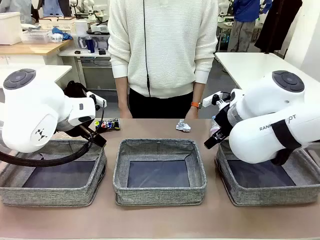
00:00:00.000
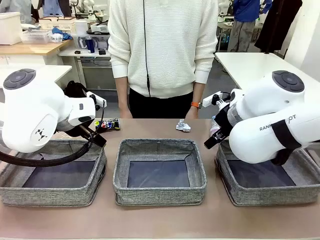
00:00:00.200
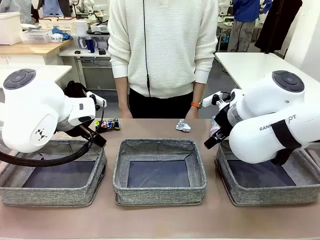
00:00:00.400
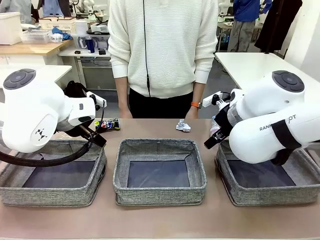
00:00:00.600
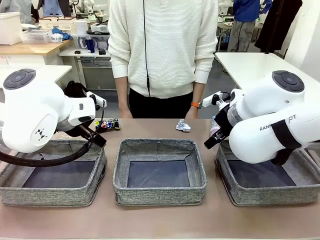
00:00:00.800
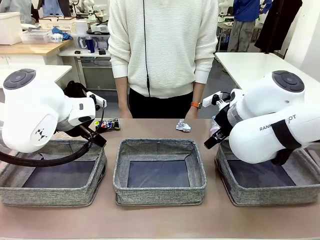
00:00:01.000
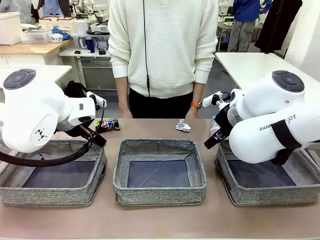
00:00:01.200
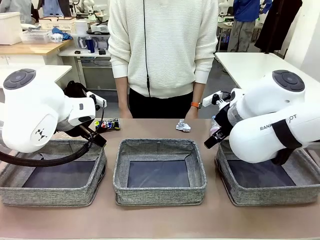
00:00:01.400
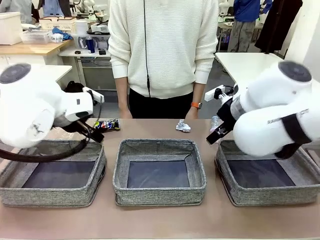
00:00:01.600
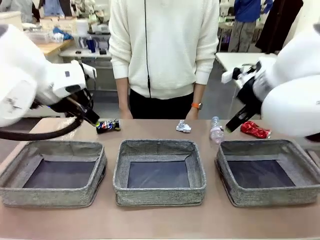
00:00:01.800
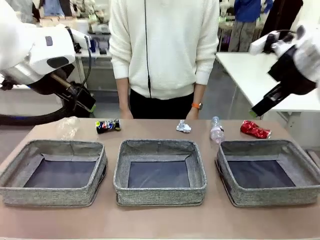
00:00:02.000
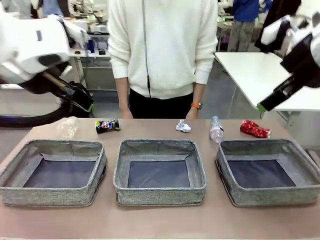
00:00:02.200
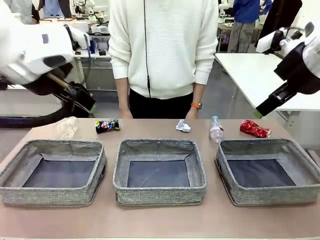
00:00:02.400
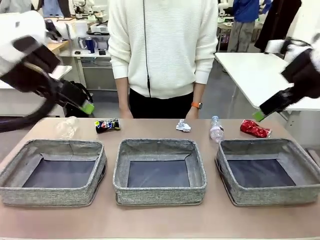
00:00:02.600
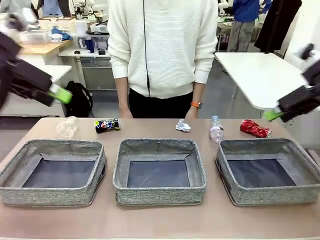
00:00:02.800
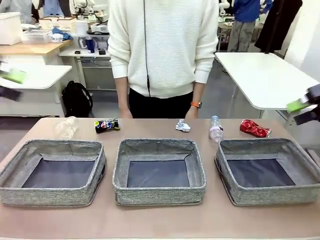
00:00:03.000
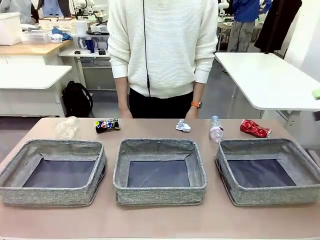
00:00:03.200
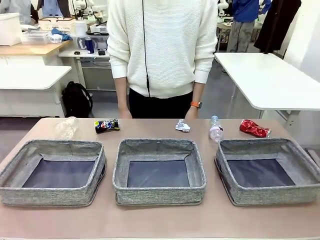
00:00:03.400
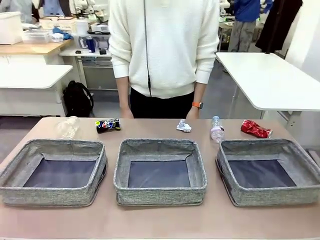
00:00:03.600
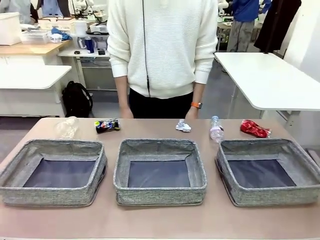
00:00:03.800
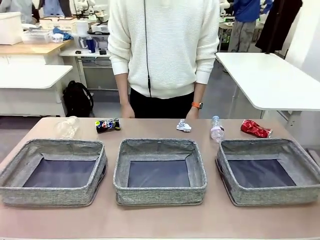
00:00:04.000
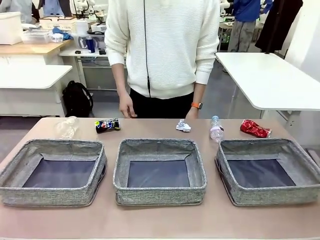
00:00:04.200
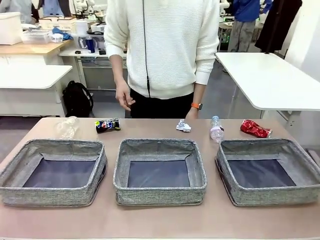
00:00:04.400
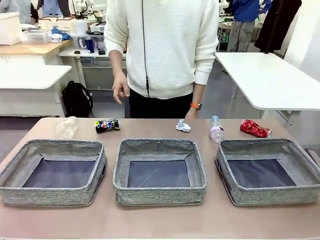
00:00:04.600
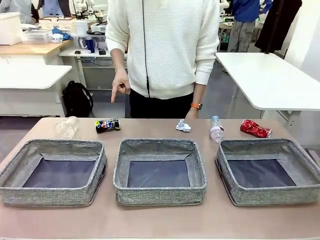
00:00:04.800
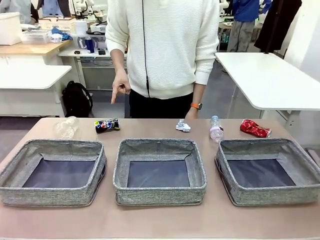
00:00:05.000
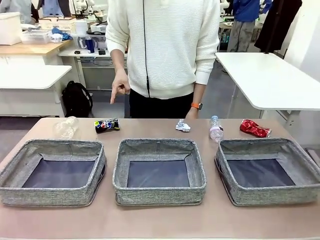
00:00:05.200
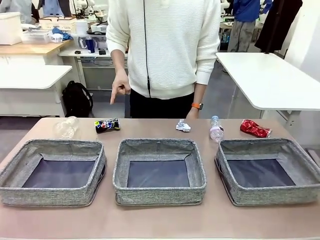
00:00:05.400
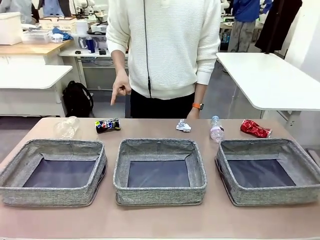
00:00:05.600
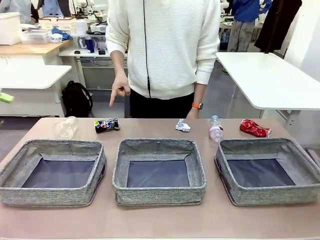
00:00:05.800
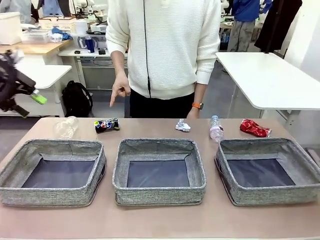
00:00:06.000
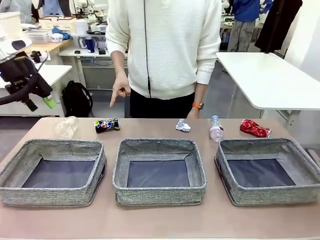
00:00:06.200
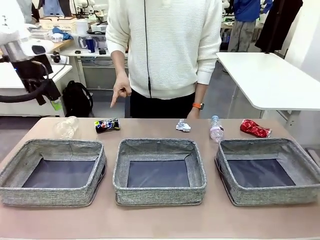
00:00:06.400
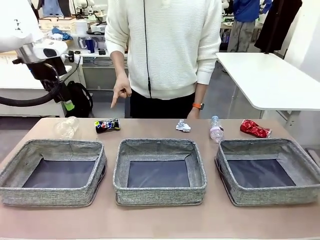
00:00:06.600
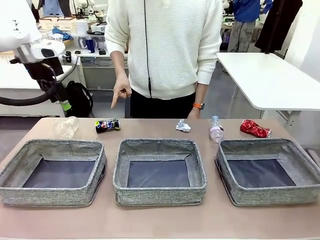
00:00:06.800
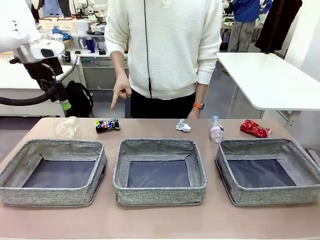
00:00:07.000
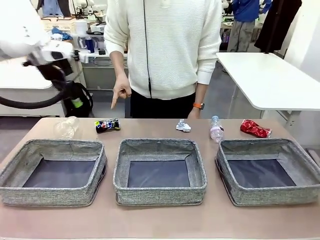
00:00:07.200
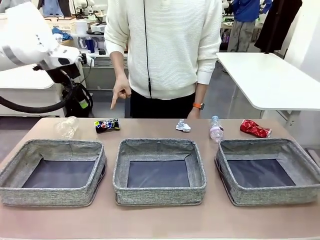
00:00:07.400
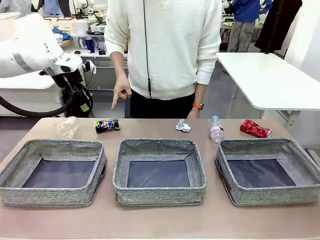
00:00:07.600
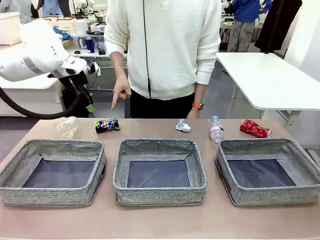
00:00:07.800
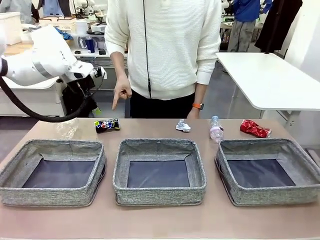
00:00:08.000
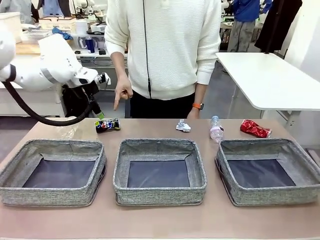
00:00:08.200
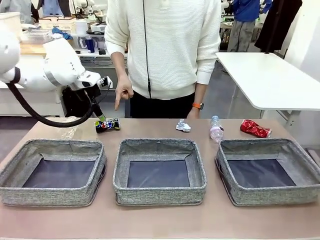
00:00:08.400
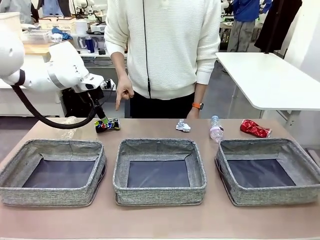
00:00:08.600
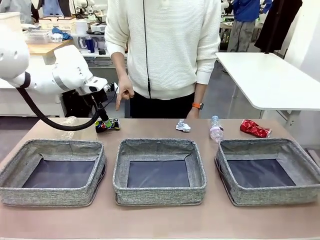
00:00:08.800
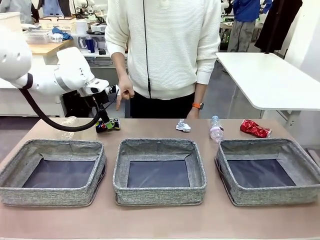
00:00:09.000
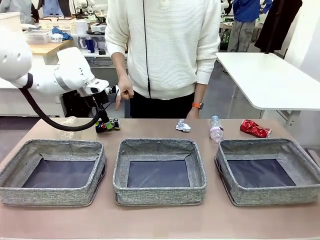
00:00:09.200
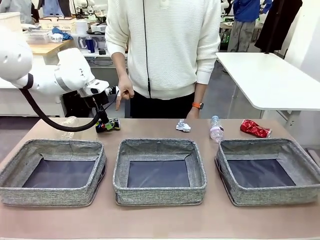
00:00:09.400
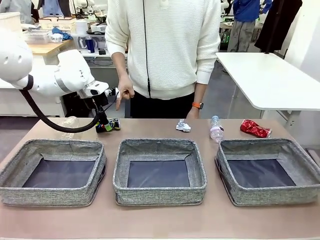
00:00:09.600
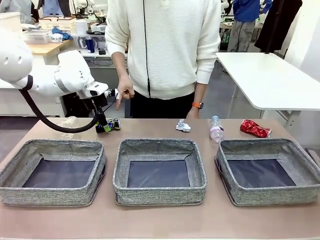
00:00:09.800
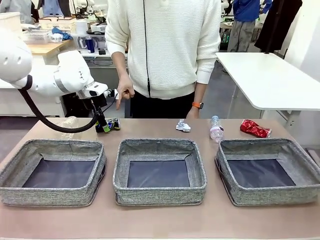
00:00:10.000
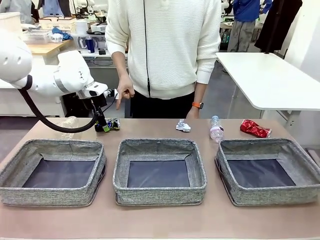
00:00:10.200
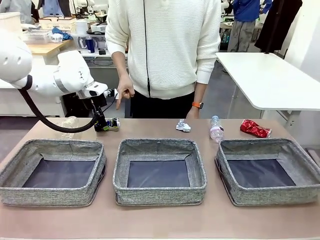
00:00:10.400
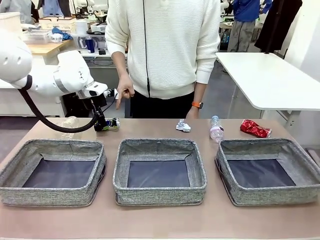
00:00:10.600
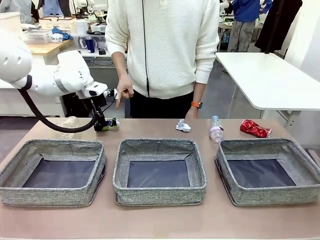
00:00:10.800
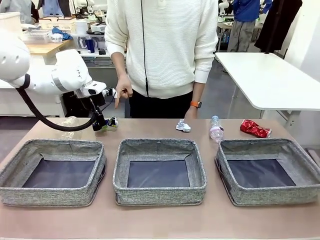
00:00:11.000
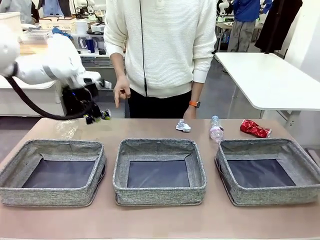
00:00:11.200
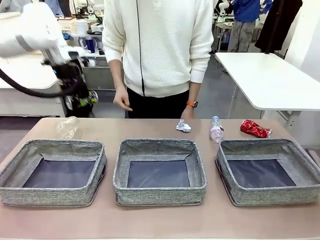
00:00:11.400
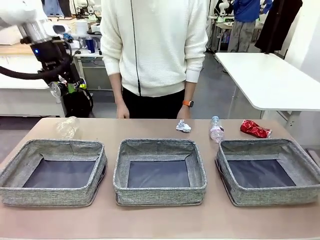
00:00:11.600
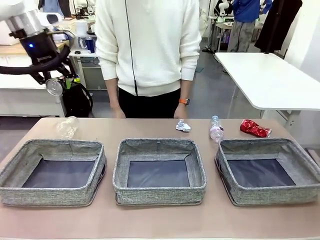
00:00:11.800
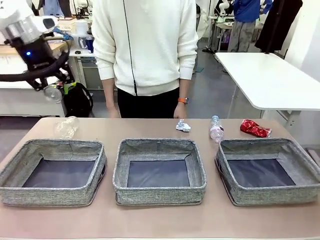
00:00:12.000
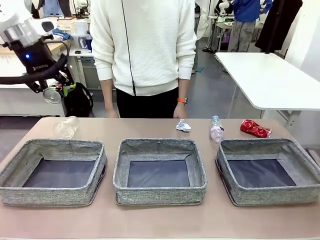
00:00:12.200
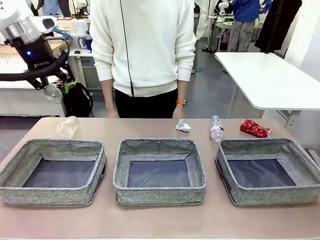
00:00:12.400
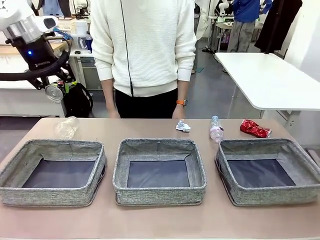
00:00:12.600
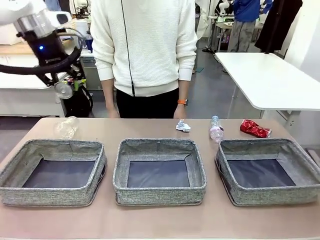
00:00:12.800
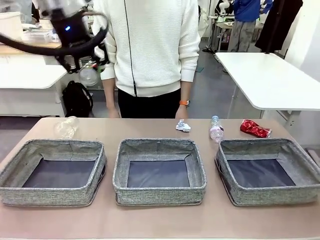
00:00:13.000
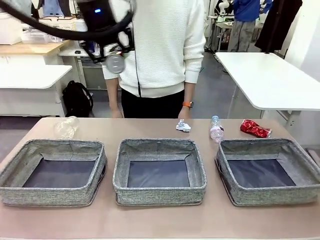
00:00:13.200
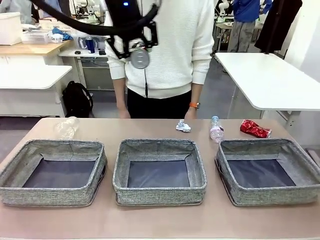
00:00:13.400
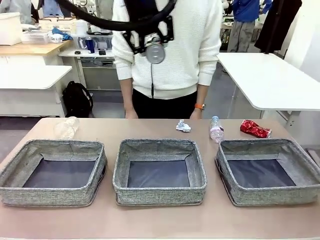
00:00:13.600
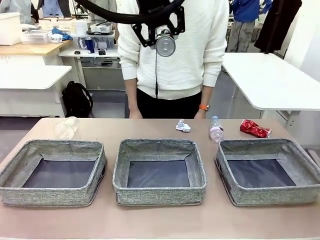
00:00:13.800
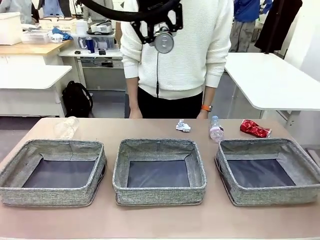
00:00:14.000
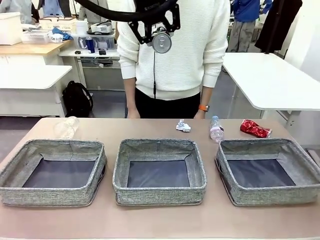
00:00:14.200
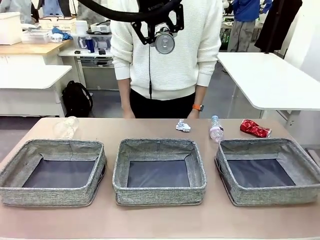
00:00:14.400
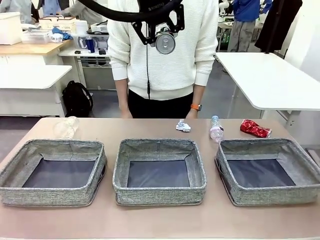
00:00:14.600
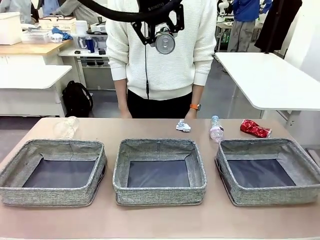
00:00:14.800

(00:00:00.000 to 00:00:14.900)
Task: Sort the waste into the appropriate baskets.
Robot: Pick up the waste item pointed out by the person.
Person: Points to one piece of trash on the table.

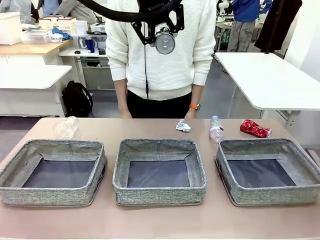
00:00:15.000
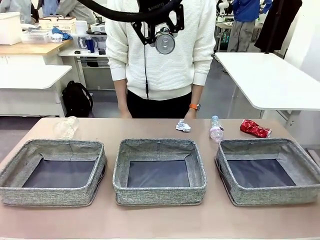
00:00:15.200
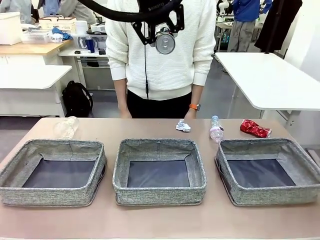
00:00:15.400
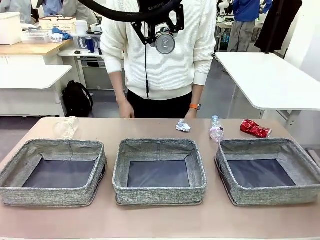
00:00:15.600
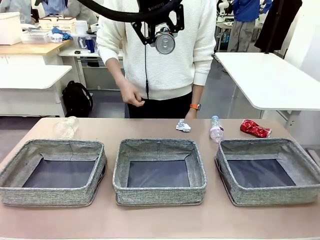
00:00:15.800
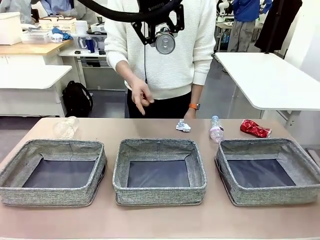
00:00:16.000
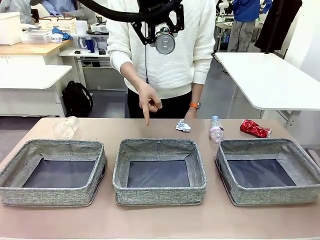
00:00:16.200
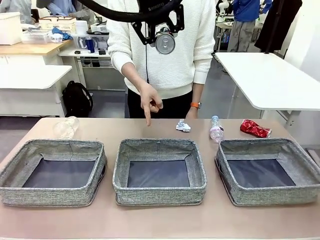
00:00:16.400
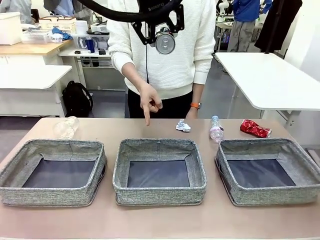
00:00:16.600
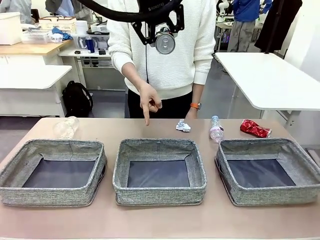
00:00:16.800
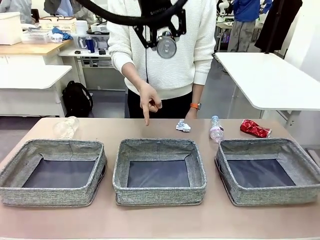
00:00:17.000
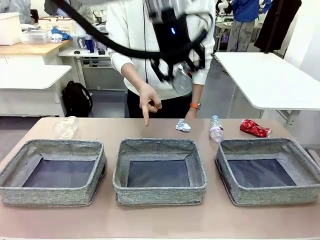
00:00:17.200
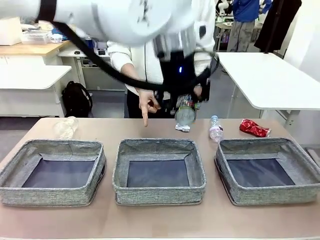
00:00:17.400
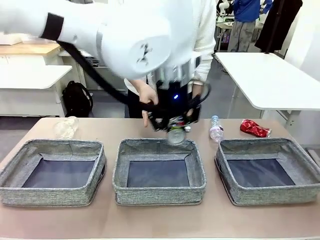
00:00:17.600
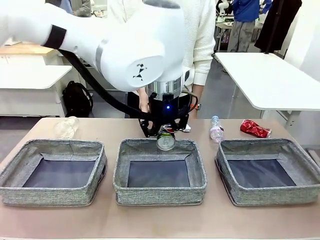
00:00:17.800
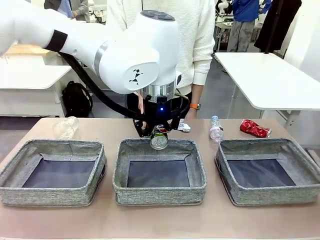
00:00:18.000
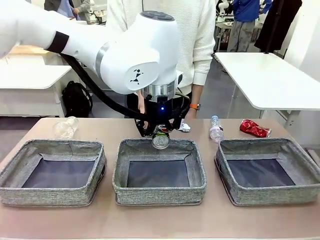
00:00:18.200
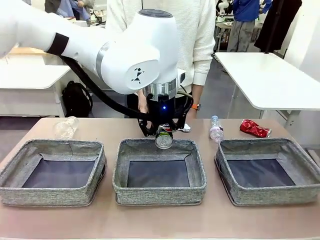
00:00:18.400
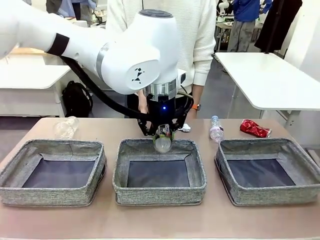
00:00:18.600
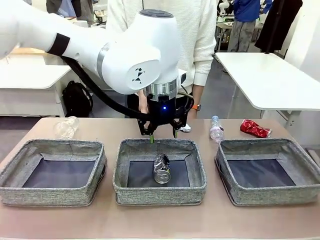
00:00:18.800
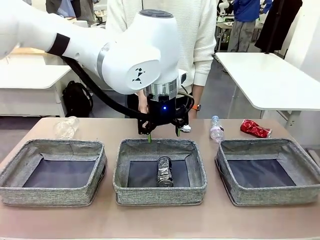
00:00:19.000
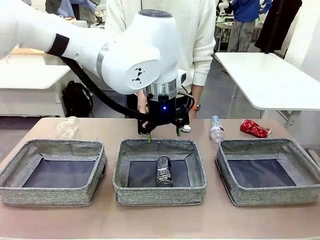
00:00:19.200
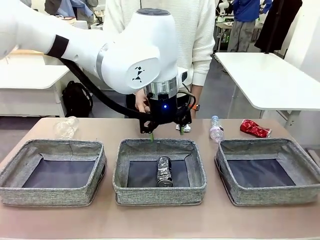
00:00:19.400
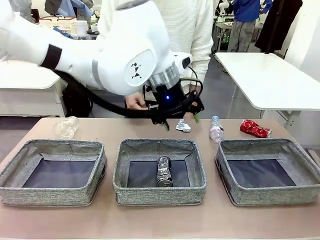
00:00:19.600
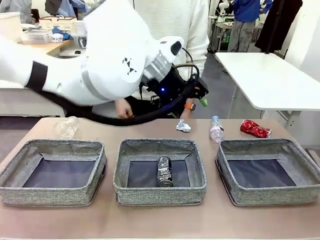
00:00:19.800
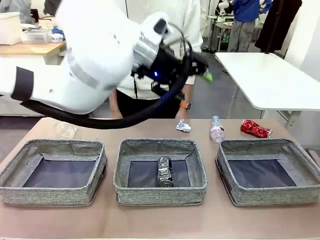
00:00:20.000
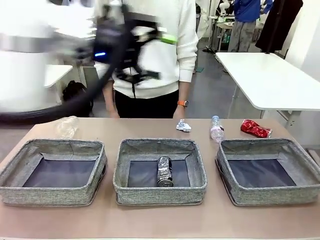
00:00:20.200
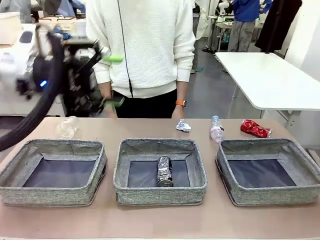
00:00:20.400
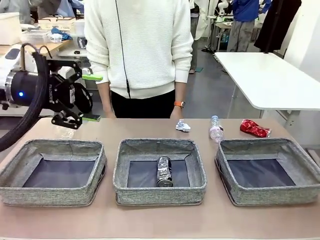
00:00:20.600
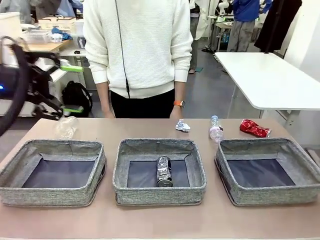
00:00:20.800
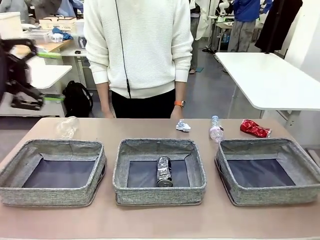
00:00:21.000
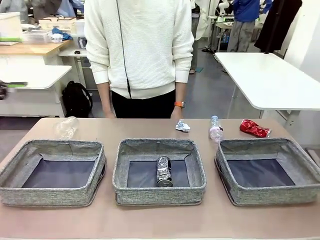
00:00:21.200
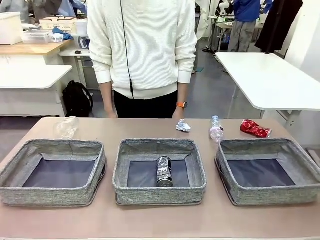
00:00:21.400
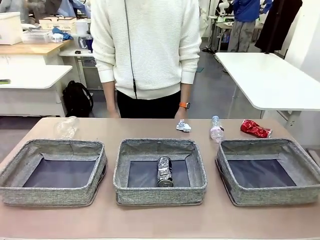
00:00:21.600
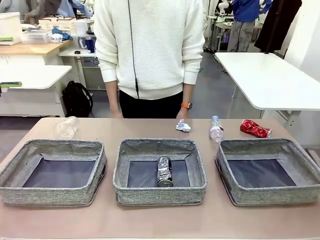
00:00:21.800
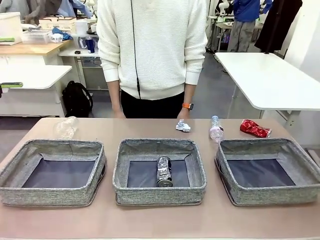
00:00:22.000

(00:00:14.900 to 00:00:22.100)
Robot: Place the picked waste into the Fabric basket indicated by the person.
Person: Instructs the robot to place the picked-up trash into the appropriate organizing basket.
